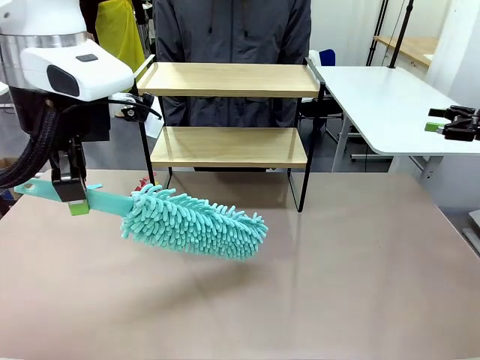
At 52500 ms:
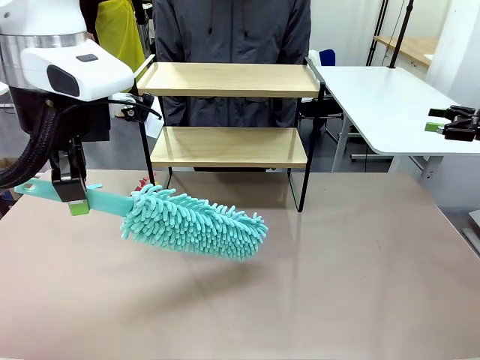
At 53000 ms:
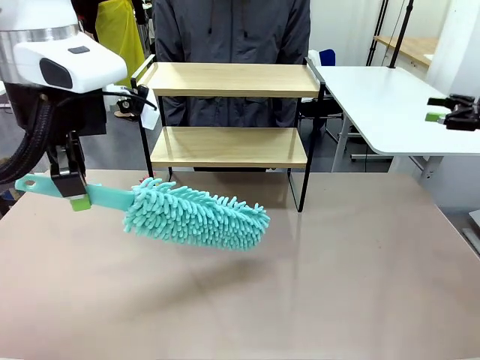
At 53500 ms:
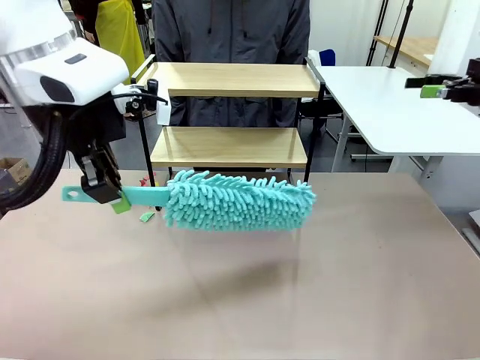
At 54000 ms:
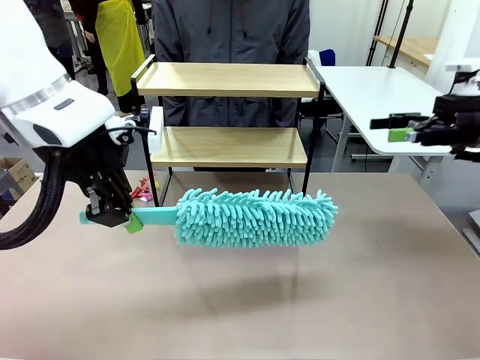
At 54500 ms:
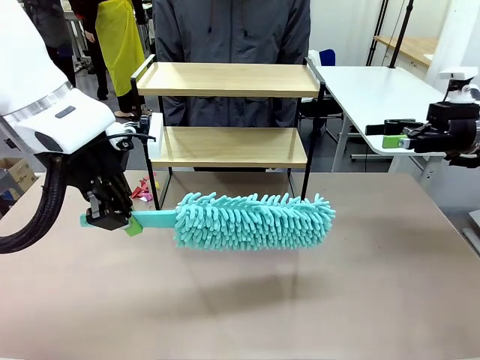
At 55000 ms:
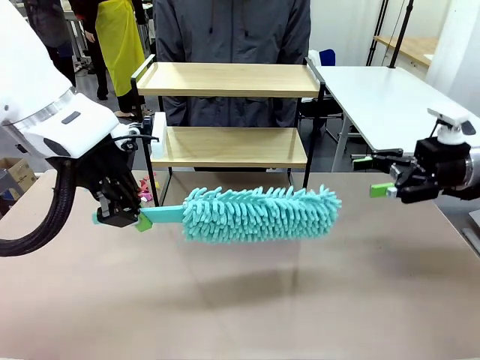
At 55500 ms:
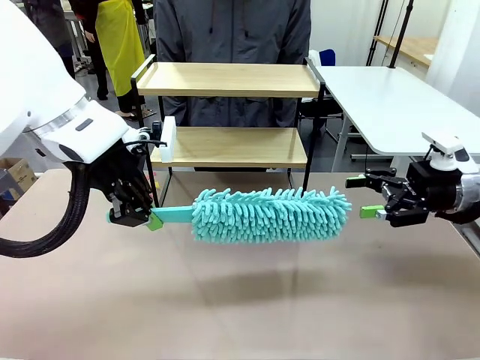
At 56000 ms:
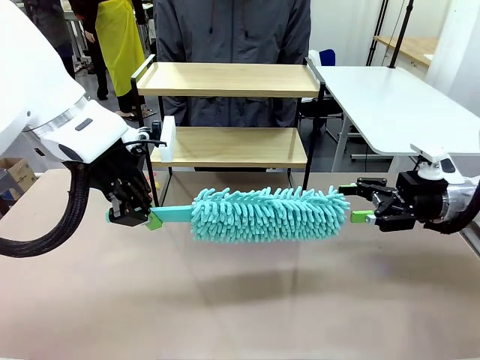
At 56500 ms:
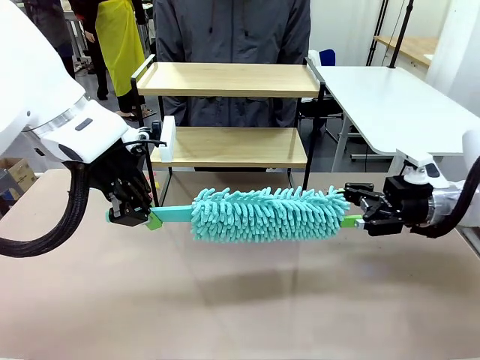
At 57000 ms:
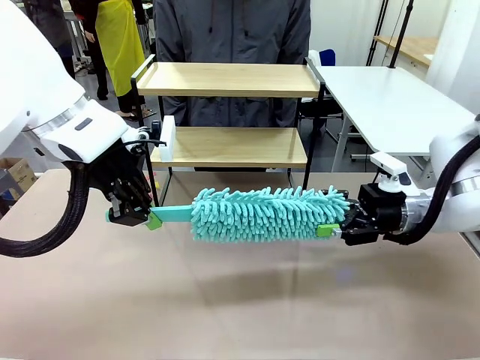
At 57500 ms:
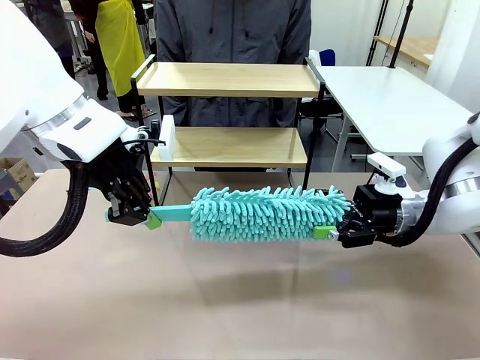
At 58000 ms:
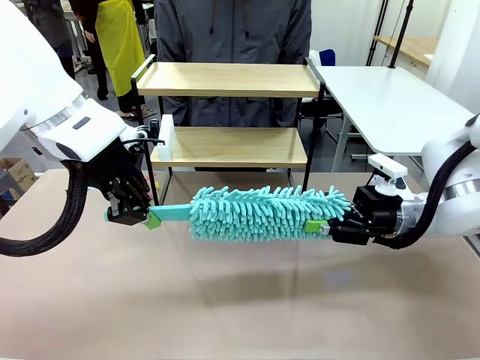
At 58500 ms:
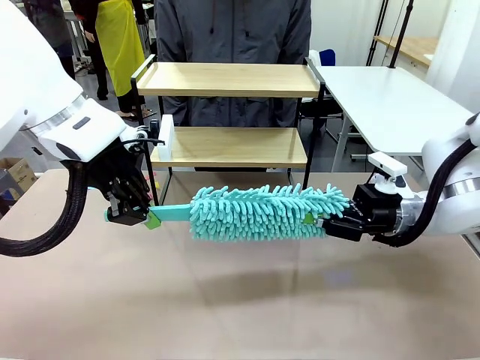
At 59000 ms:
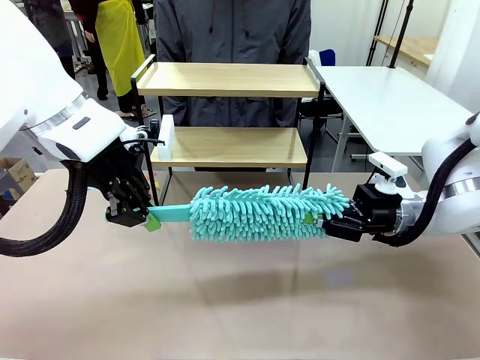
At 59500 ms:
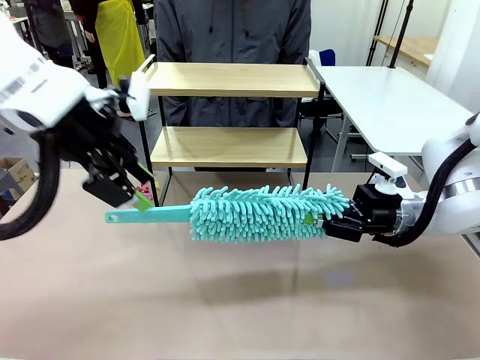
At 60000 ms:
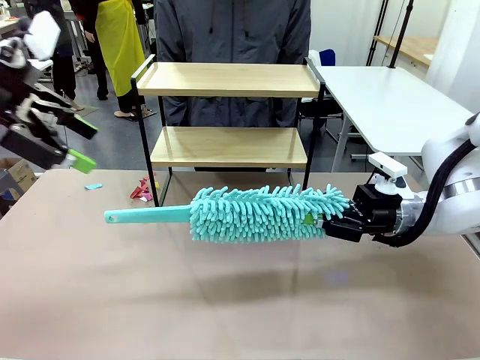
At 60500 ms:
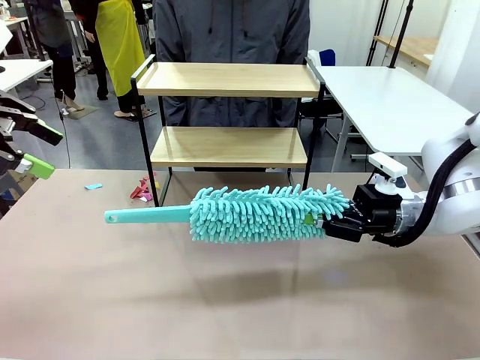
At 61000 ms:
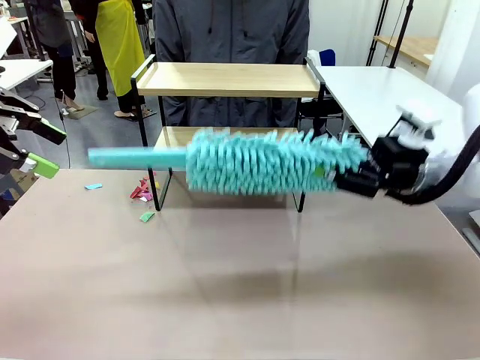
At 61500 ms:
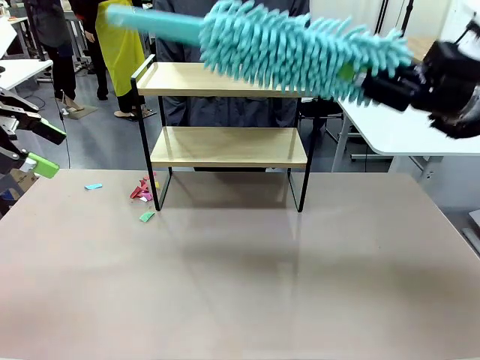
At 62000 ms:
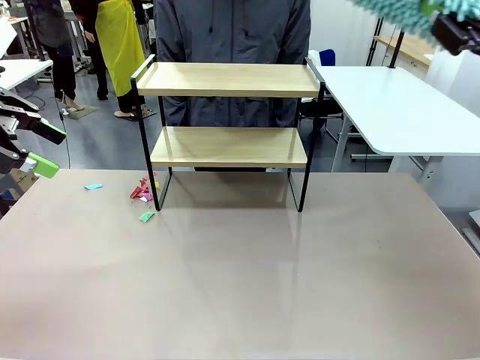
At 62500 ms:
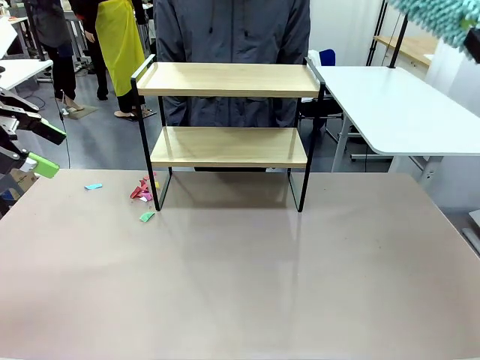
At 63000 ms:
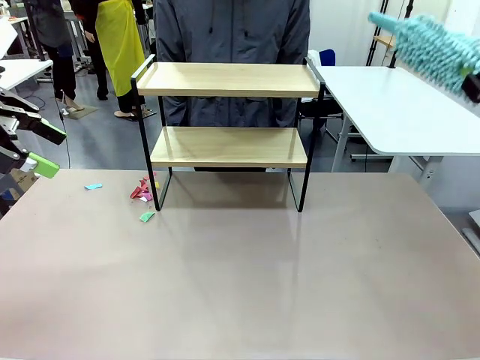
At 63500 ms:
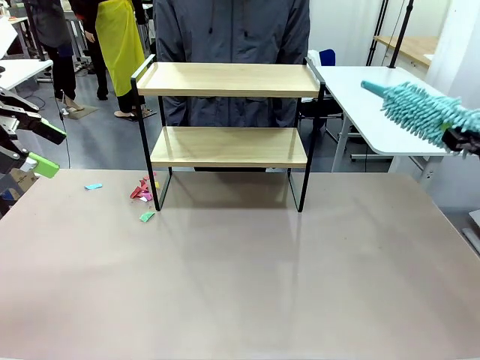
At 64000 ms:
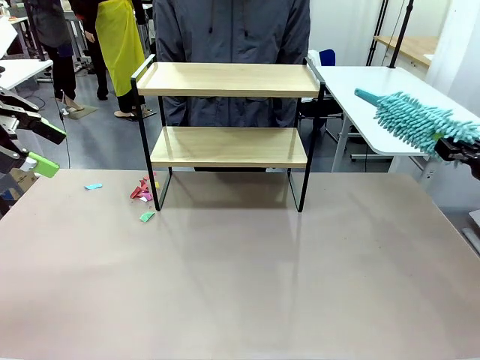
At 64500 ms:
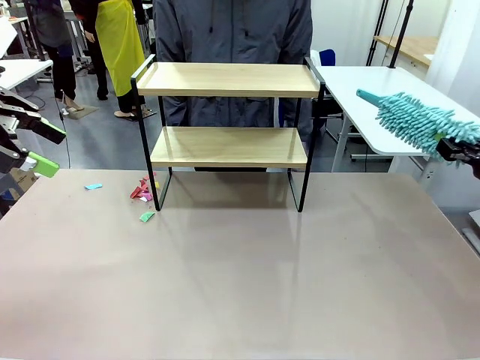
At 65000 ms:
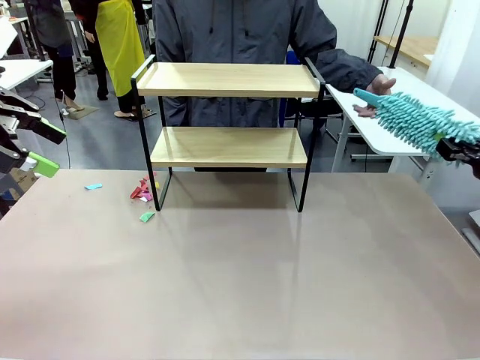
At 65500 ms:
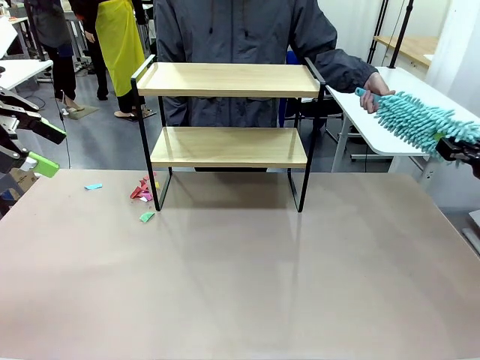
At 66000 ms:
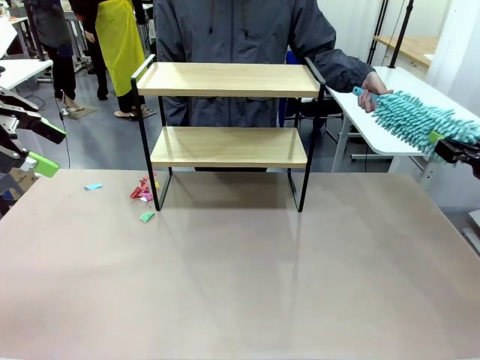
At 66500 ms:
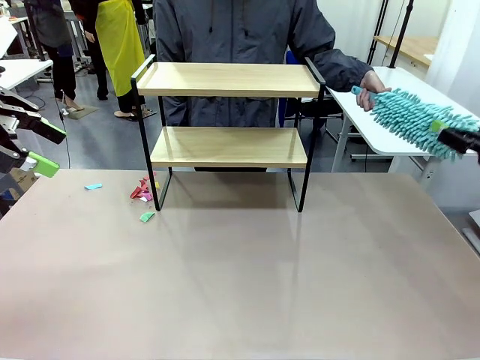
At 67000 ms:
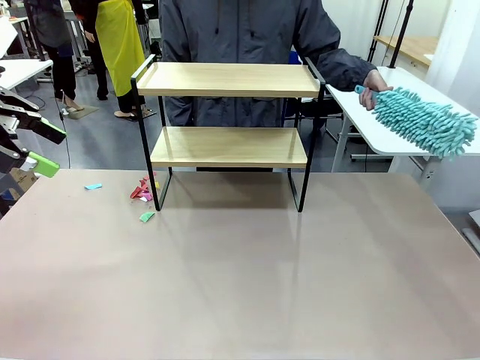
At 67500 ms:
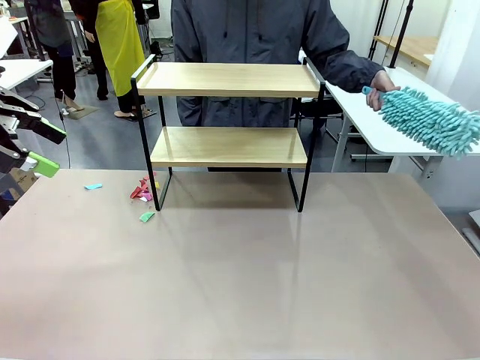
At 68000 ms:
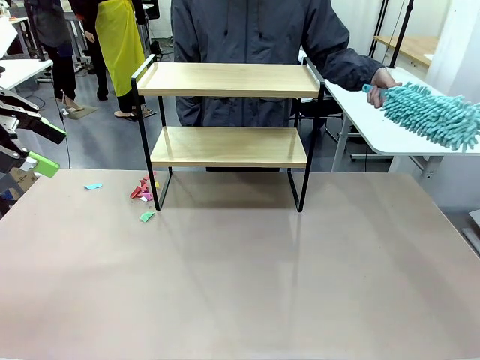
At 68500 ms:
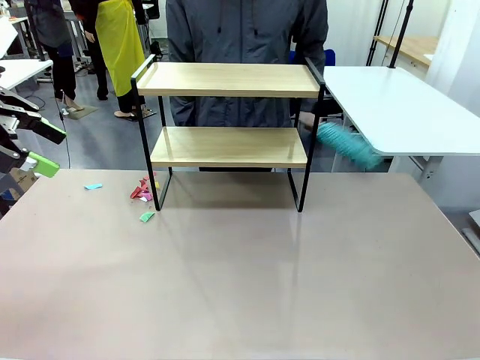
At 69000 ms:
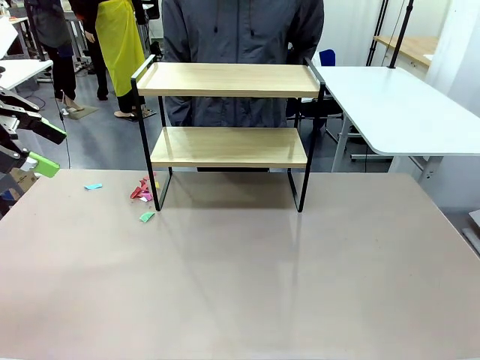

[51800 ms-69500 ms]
Task: Clean the shelf.
Robot: Hand the Duster back to the human.
Person: Receive the Duster from the robot.
